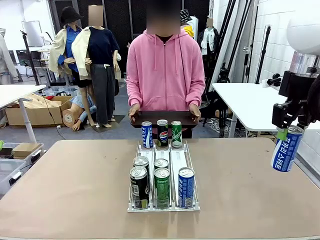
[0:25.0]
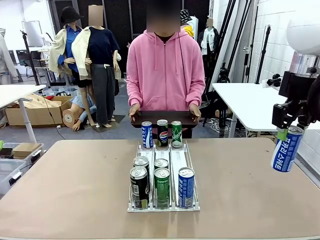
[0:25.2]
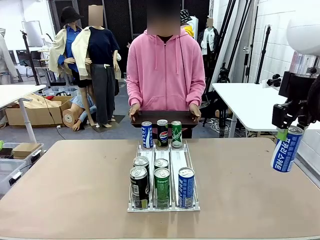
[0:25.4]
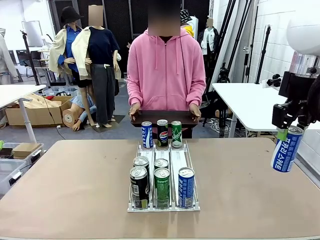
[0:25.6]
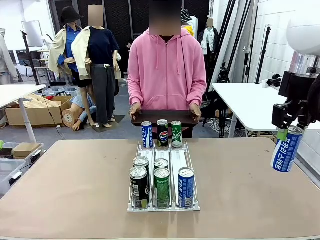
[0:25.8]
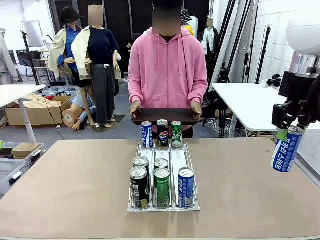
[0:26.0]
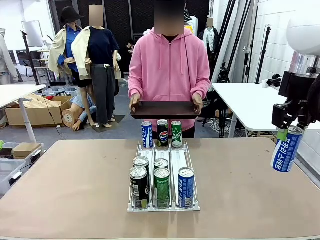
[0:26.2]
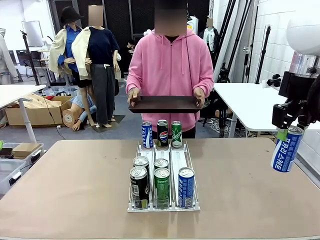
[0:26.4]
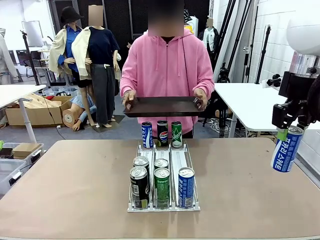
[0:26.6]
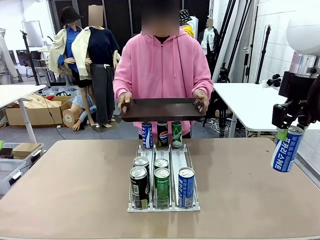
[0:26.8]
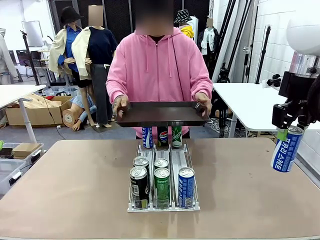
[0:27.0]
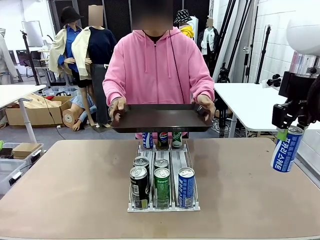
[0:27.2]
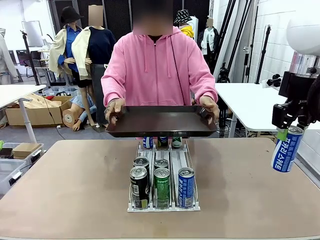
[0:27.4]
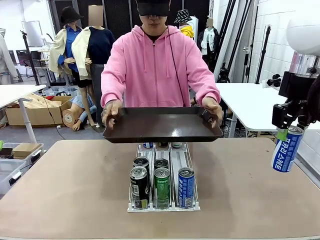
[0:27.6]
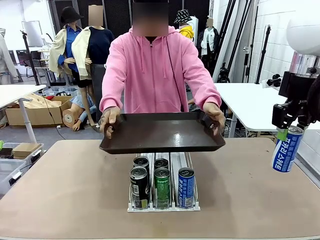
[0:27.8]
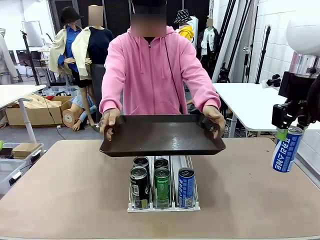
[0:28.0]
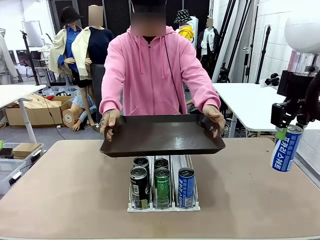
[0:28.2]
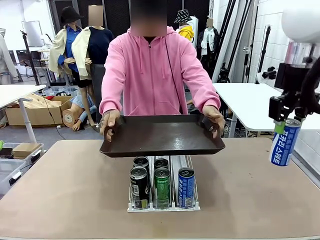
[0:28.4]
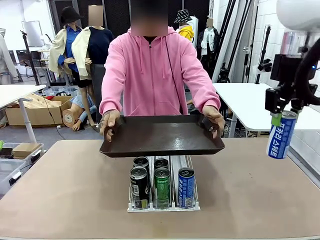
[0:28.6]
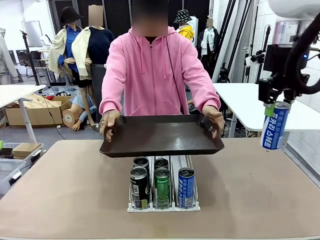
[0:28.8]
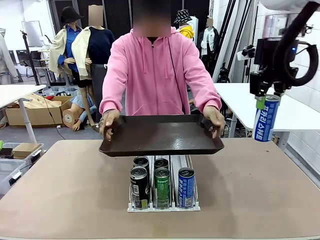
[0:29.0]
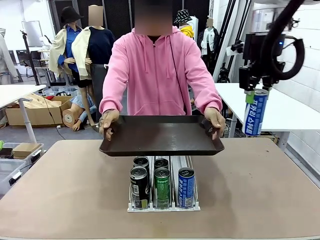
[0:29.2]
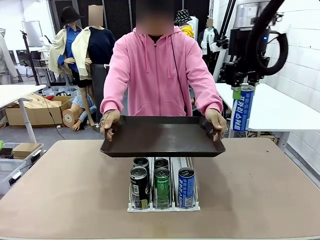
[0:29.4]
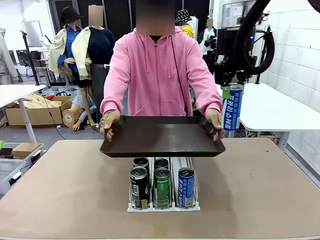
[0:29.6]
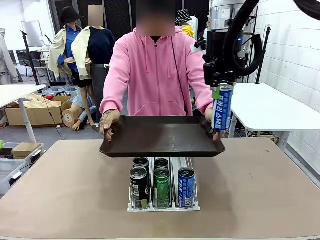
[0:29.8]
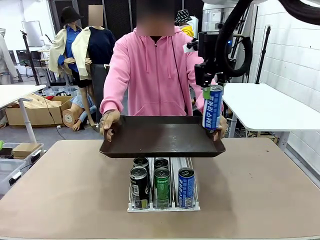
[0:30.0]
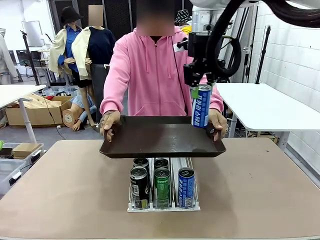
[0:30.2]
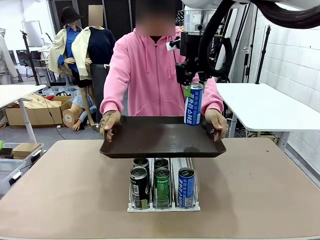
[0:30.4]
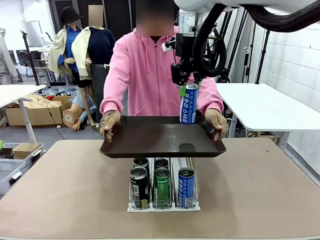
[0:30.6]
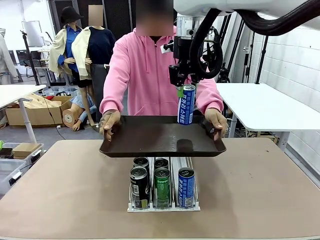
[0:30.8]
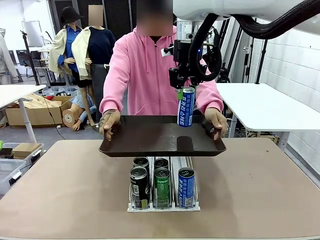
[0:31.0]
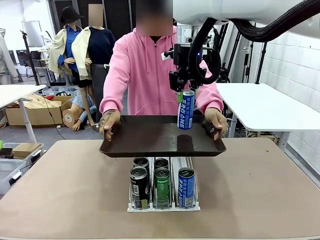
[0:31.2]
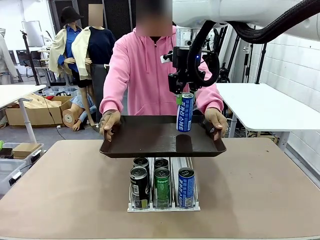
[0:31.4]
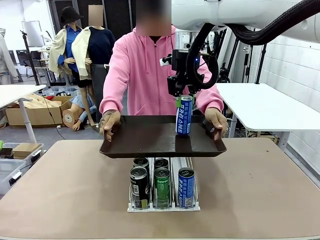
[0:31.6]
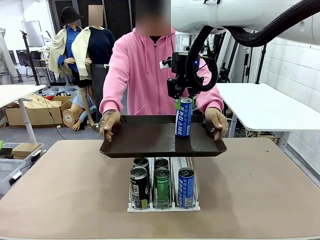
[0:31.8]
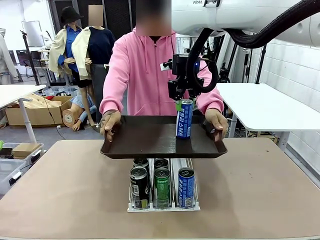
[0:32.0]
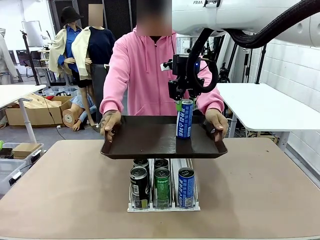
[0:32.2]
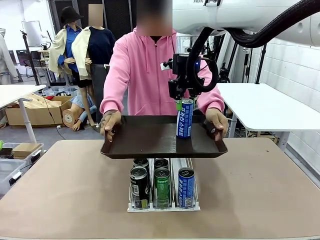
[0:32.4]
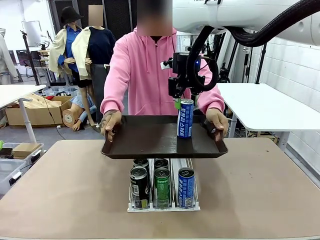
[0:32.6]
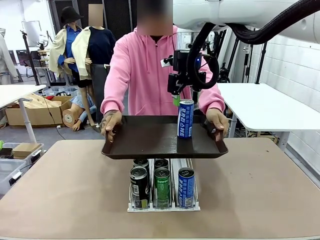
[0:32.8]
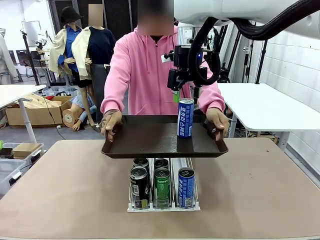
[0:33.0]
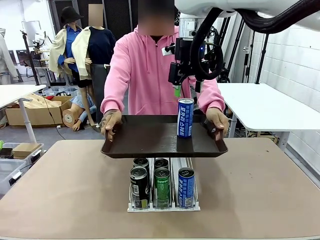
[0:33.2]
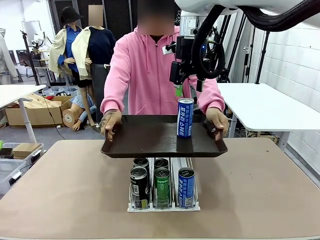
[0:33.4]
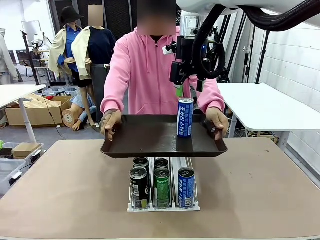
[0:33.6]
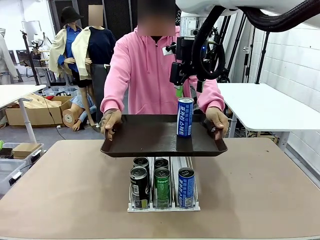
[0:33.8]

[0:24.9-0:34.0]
Task: Retrieve and hand over the desired beverage to the person.
Robot: Place the picked can on the Handle tray extended by the person.

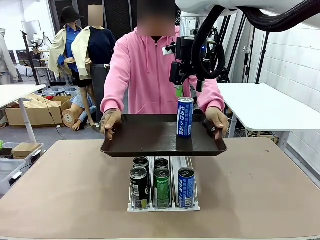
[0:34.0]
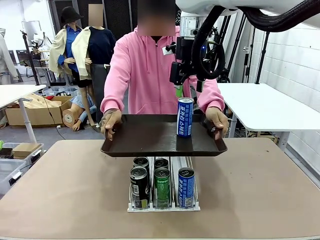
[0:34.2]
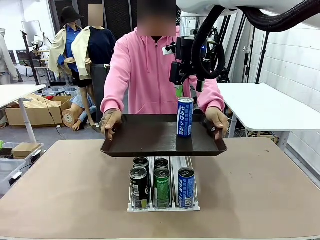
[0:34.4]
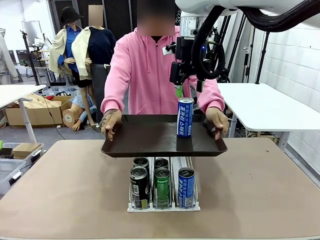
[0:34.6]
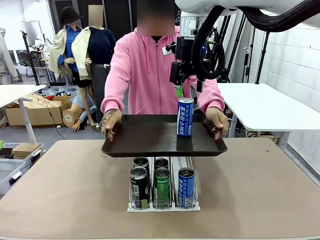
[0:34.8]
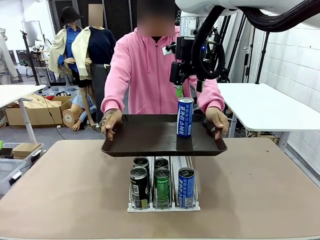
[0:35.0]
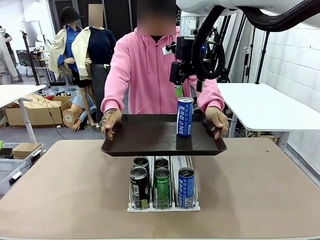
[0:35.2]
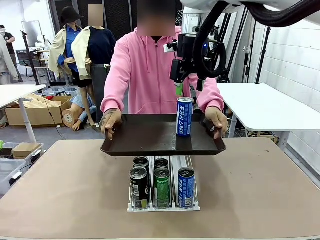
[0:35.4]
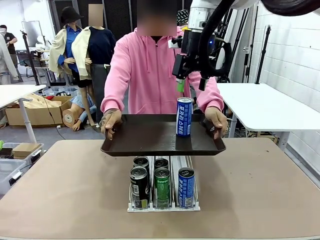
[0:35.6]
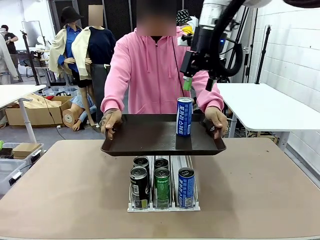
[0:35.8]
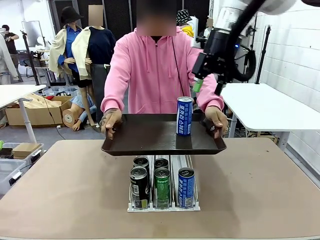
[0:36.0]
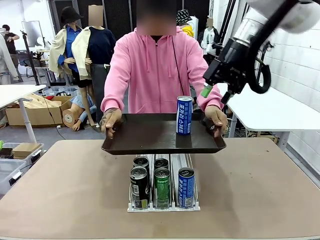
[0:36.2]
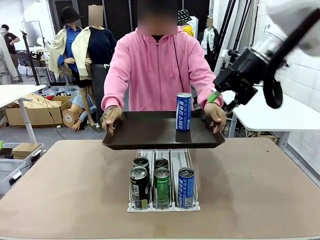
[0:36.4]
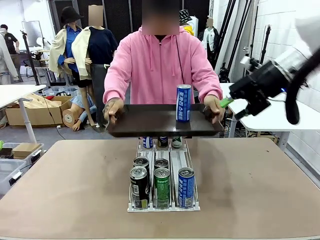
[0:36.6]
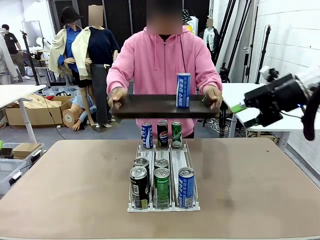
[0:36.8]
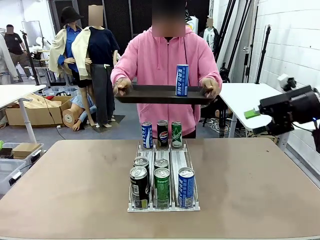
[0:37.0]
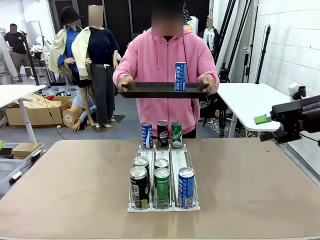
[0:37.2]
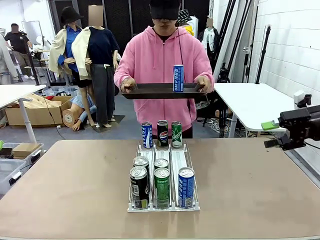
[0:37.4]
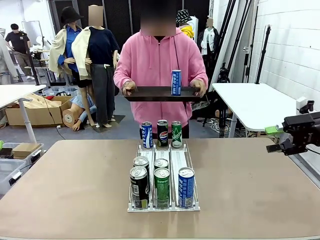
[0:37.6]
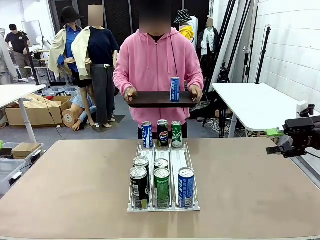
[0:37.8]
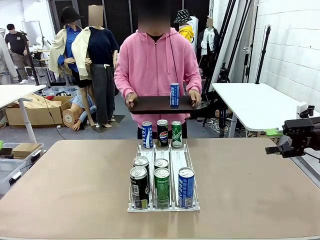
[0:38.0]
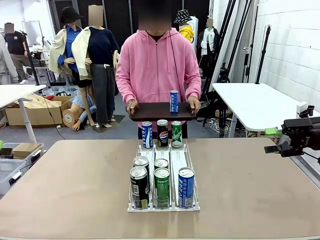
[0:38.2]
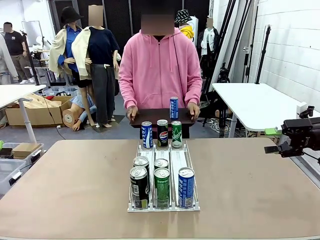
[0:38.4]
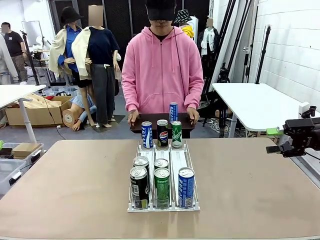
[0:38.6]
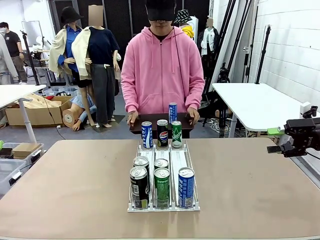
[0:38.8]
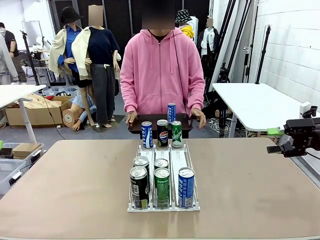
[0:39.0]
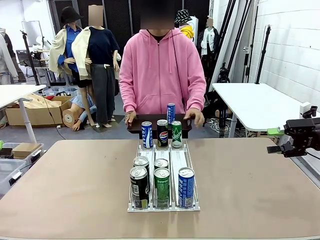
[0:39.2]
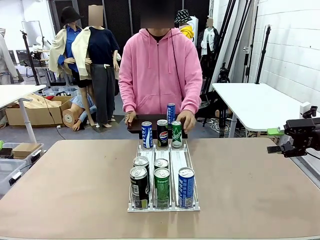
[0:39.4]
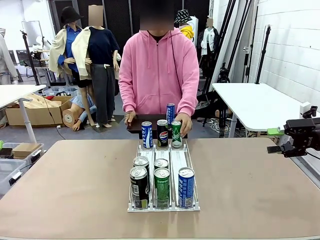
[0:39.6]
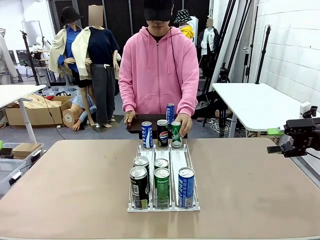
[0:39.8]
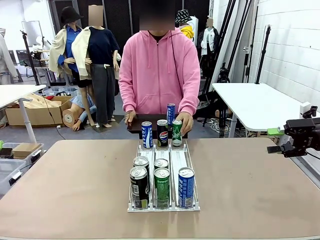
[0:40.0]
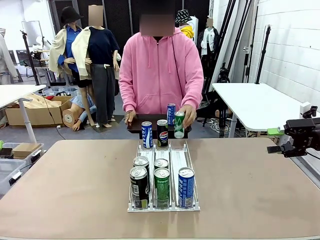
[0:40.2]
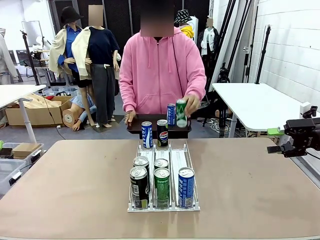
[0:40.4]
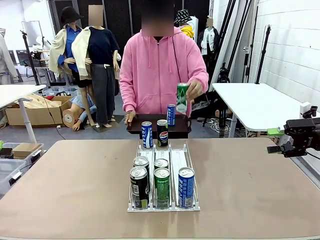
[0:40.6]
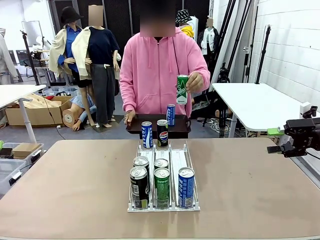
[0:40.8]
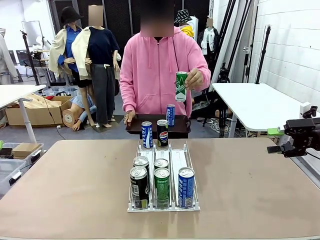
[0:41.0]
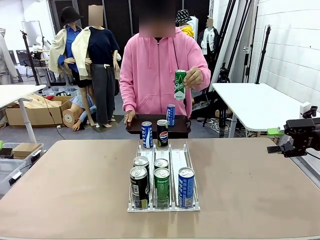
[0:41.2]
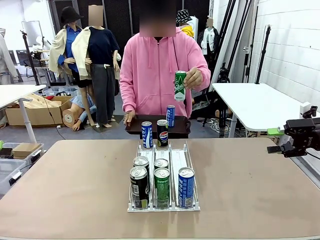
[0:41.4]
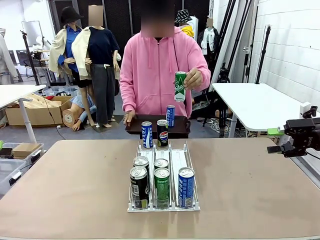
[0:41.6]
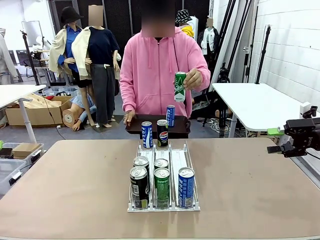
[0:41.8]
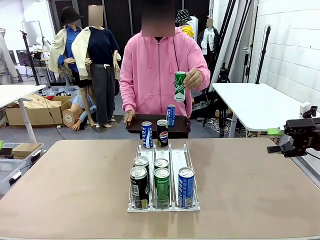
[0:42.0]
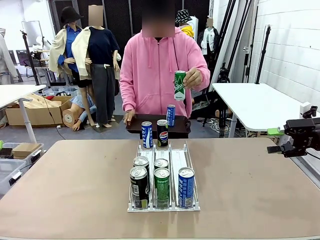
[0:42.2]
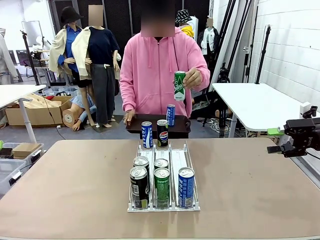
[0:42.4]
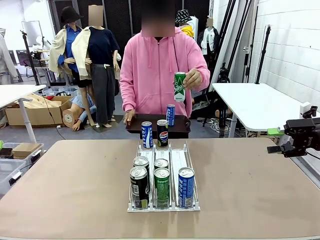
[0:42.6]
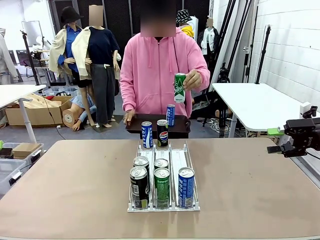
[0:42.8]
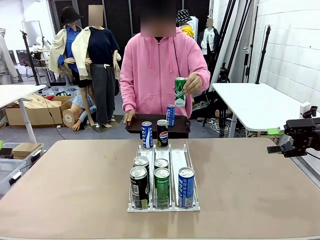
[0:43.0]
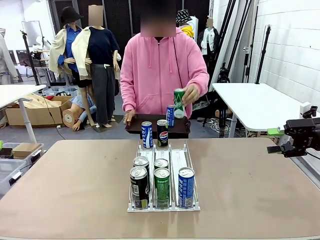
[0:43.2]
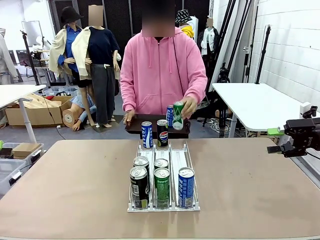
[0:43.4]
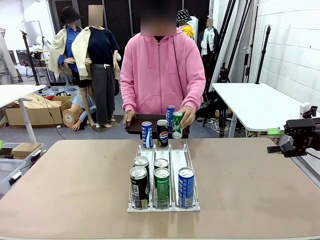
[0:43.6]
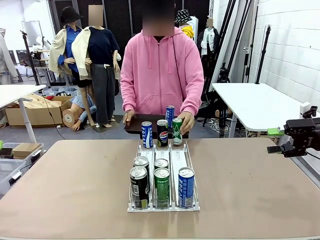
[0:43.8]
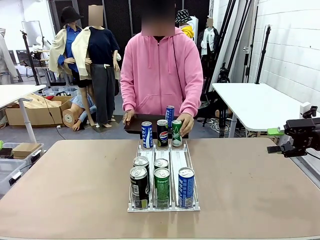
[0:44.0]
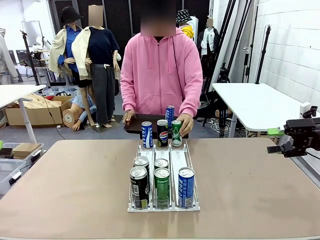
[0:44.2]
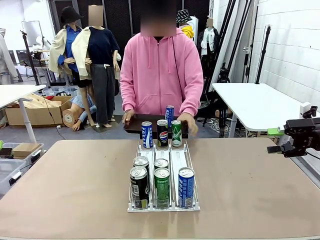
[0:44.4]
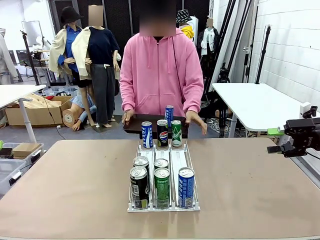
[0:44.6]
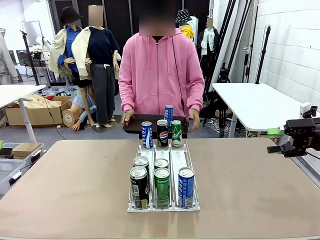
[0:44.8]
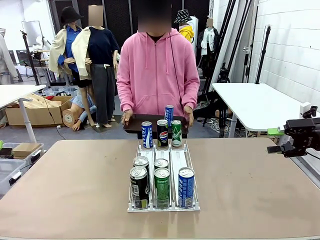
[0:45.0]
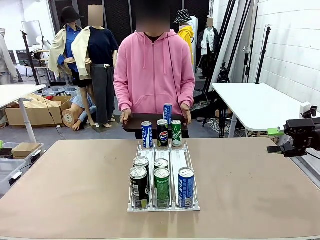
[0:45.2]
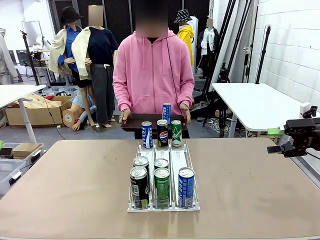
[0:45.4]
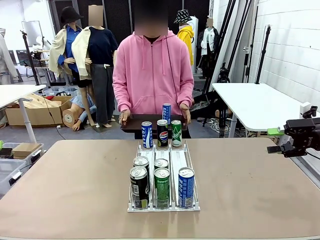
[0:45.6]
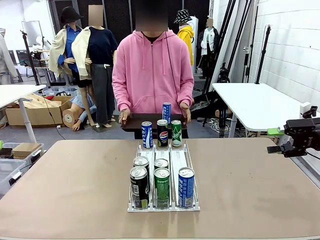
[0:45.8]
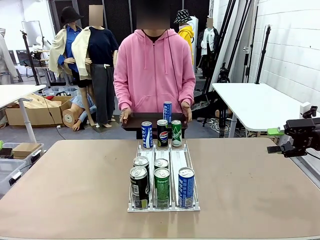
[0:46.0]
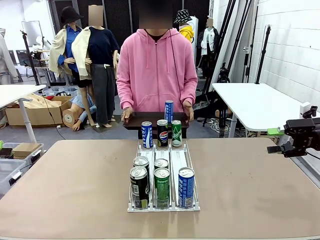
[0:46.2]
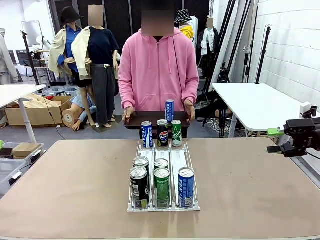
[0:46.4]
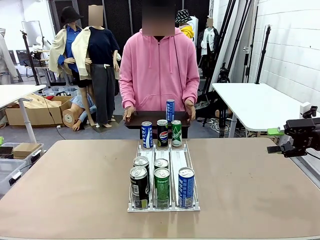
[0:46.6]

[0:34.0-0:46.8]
Robot: Pick up another can of the same type that the person held from the Automatic Can Dispenser.
Person: Pull the tray back, then pick up another can from the bottom area of the table and puts it back in its original place.
